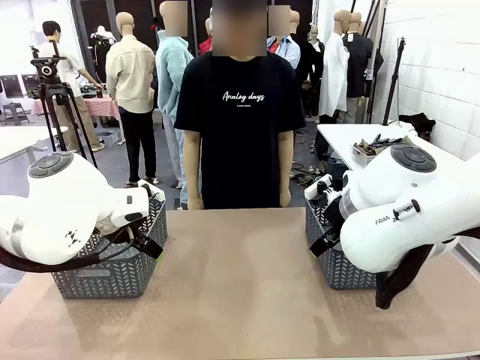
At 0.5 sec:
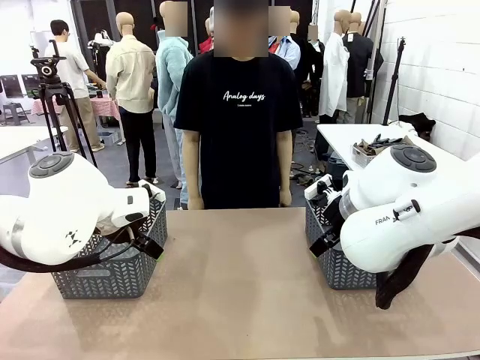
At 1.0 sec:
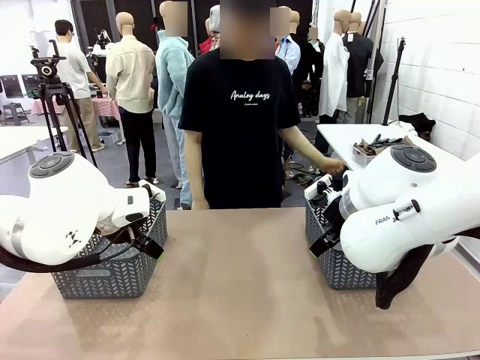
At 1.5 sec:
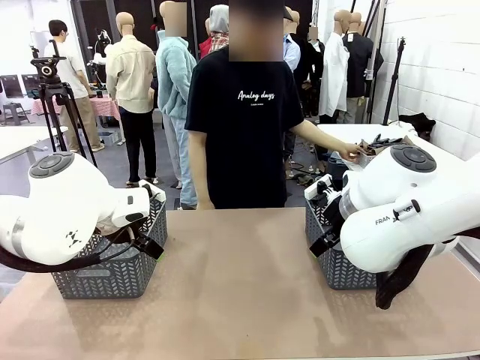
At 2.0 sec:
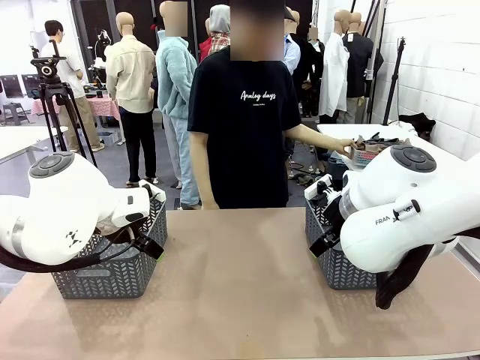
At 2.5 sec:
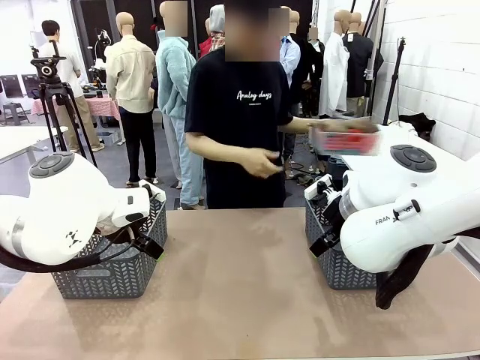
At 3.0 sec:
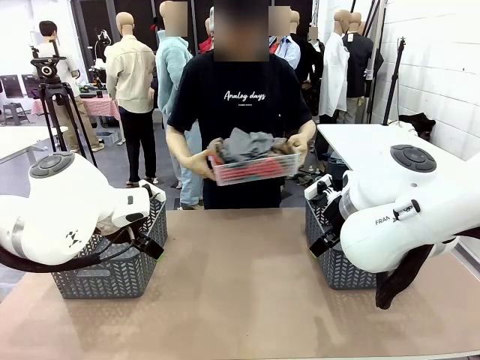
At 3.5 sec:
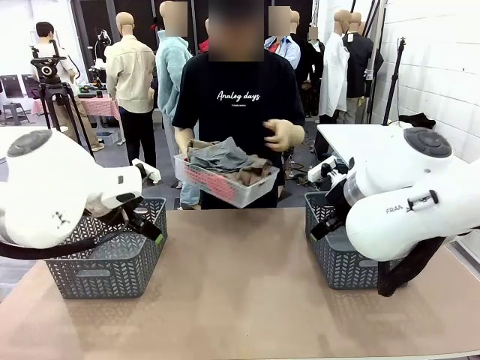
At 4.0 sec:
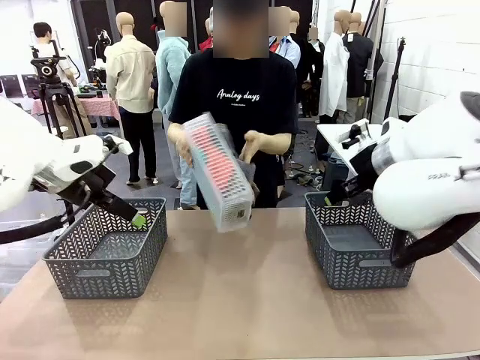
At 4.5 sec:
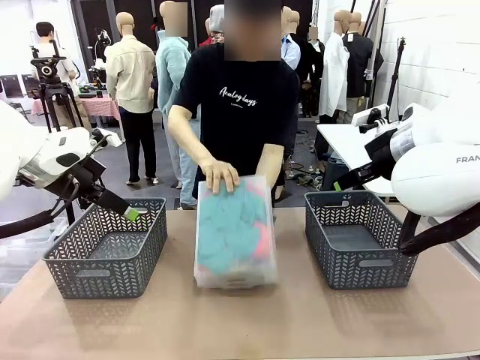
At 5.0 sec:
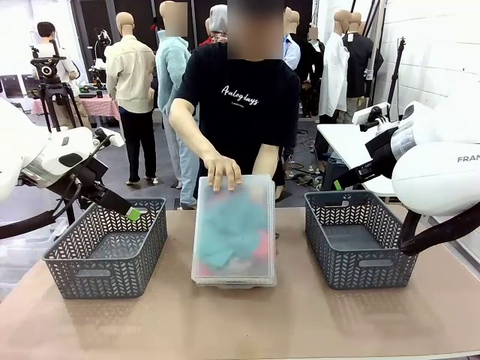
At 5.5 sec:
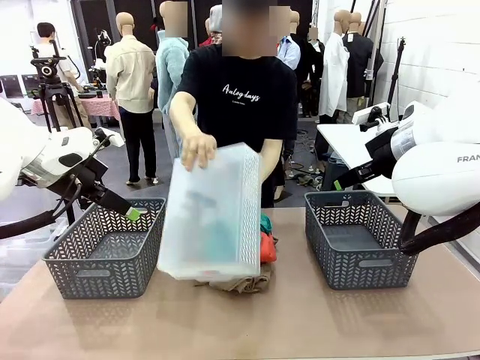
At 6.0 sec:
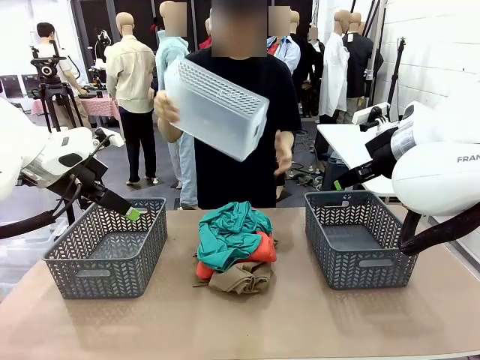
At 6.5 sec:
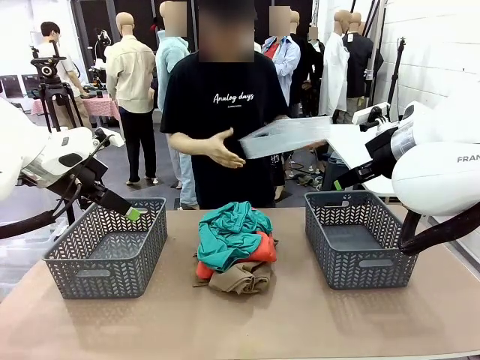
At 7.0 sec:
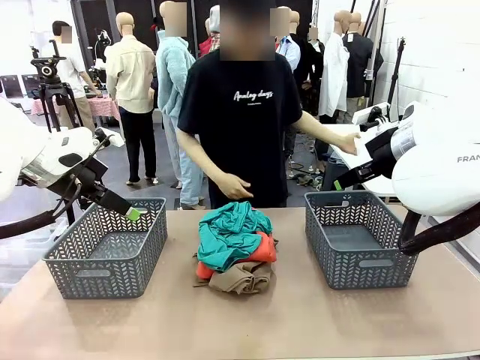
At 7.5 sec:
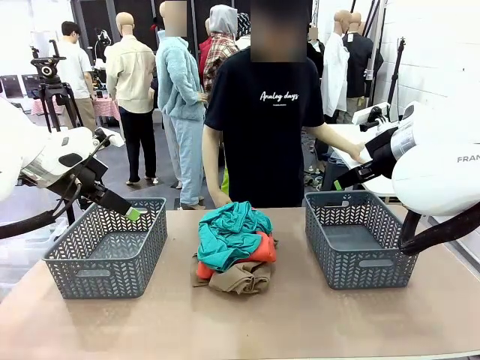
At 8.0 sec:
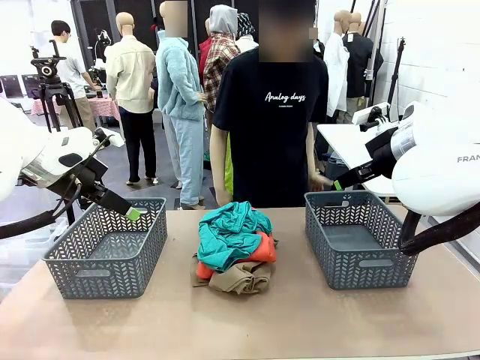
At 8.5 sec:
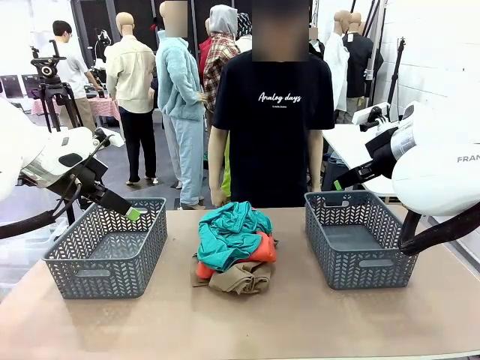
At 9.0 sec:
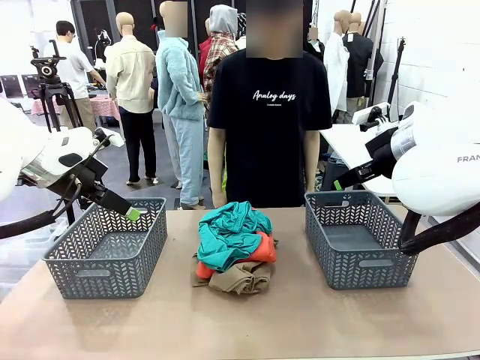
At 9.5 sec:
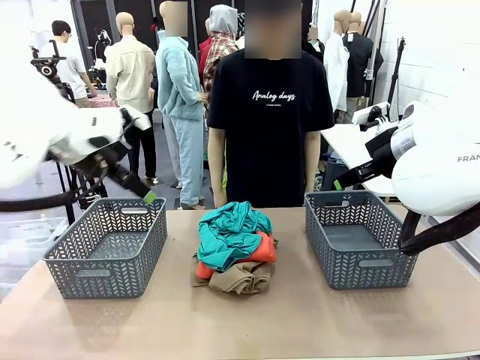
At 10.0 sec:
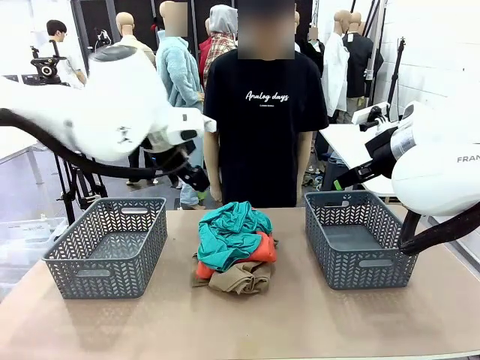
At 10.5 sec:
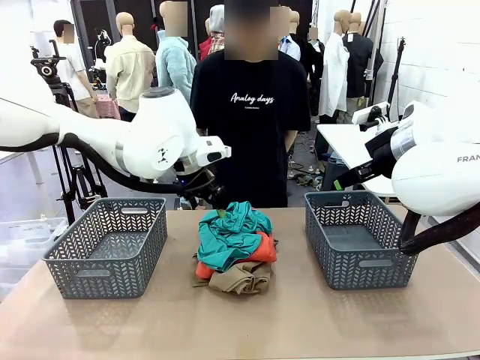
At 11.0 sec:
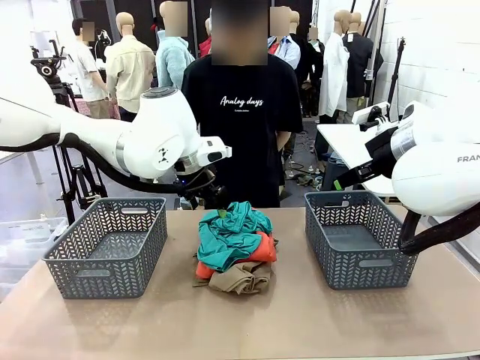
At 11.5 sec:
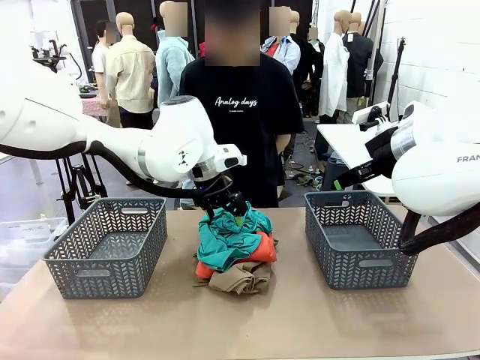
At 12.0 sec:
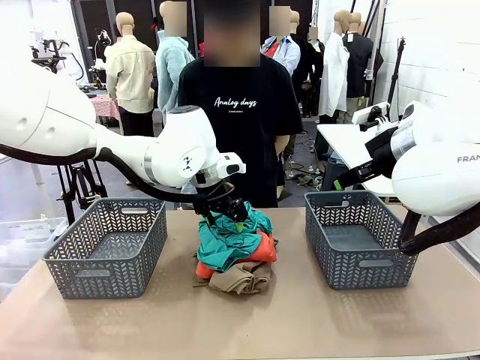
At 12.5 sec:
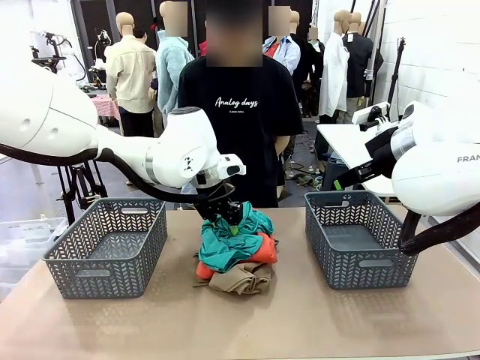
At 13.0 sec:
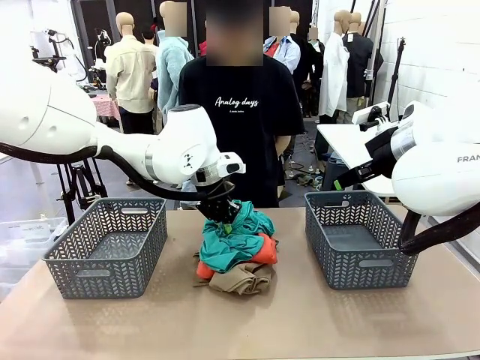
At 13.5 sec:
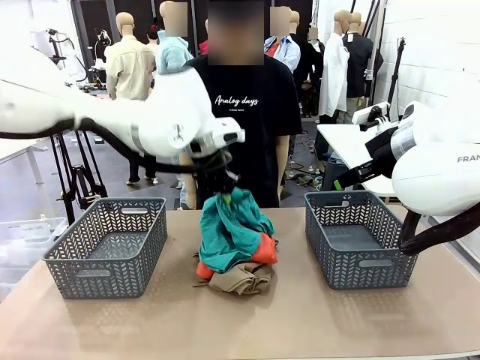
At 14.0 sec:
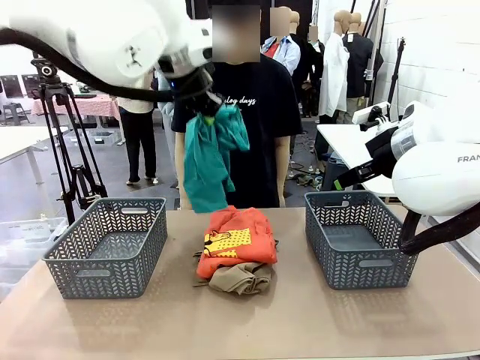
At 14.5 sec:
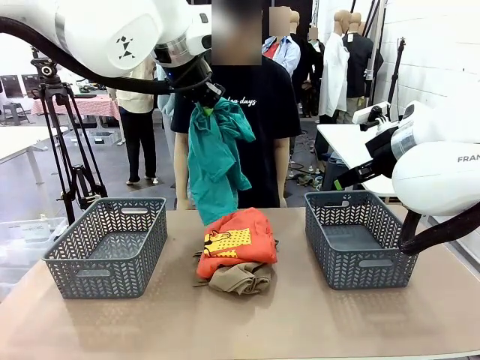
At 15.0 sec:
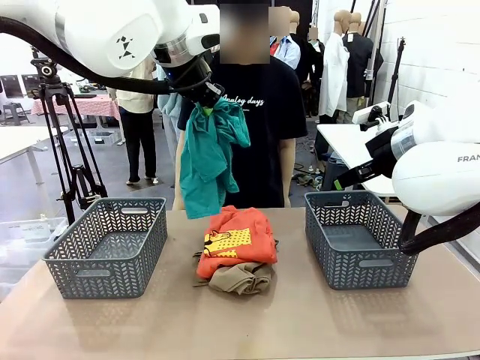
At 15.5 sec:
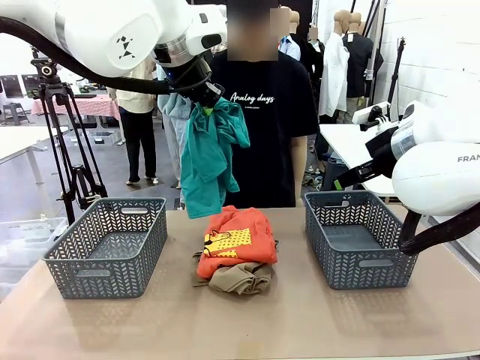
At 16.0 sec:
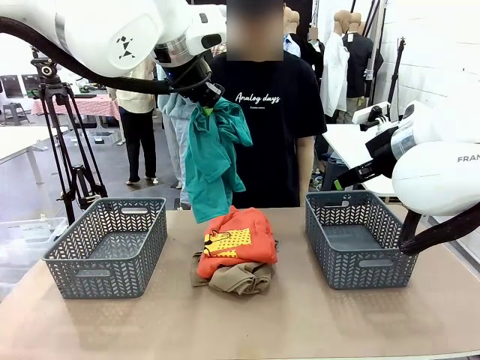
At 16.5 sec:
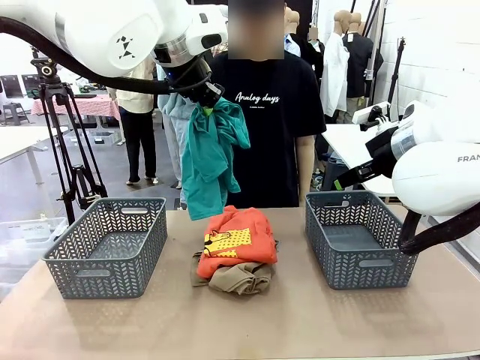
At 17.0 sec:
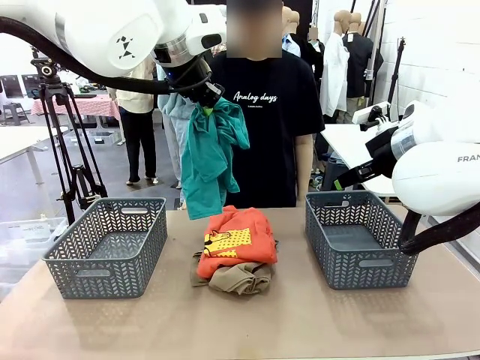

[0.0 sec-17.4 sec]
Task: Sort the tops and bottoms.
Robot: Lift clothes from the center of the table with your left hand.
Person: Pour the clothes from the basket onto the center of the robot table.

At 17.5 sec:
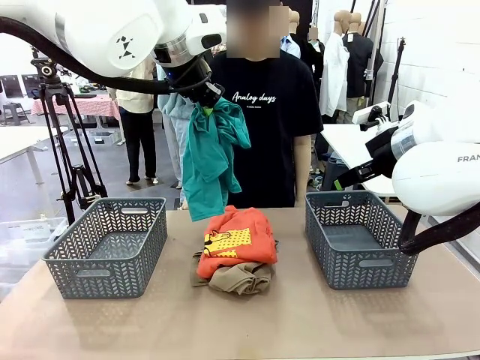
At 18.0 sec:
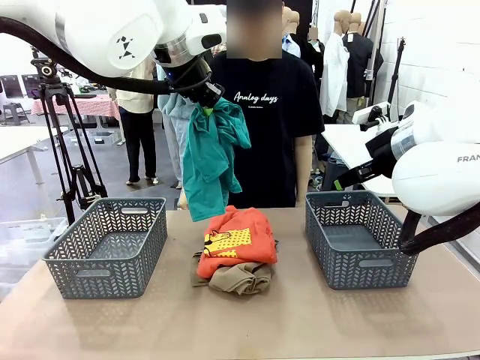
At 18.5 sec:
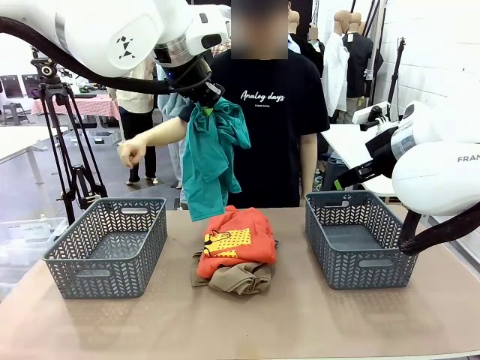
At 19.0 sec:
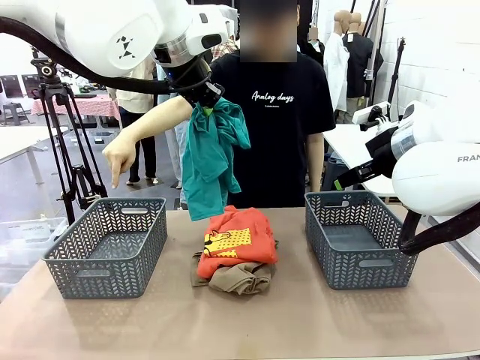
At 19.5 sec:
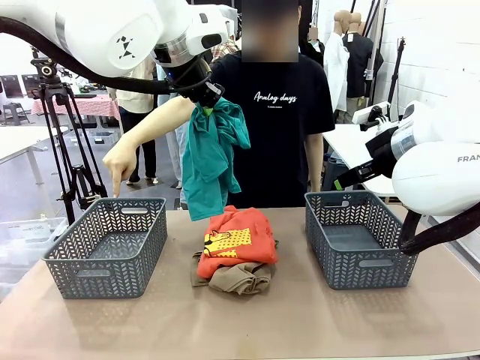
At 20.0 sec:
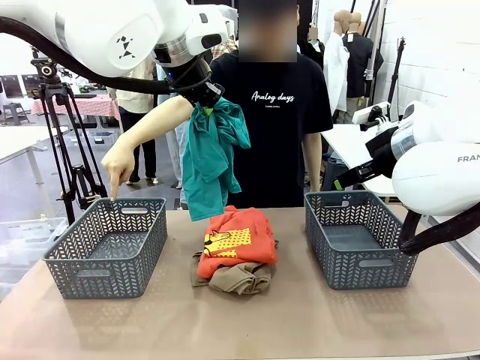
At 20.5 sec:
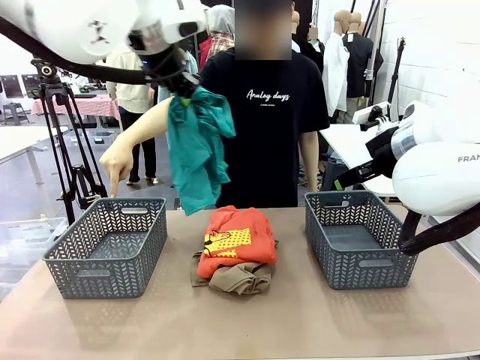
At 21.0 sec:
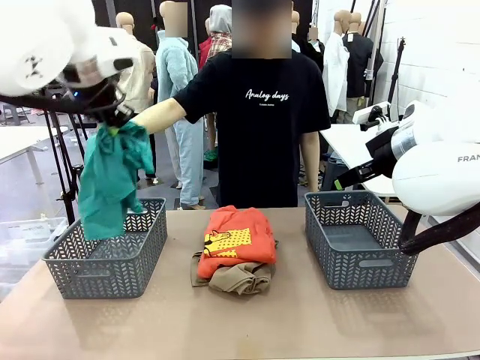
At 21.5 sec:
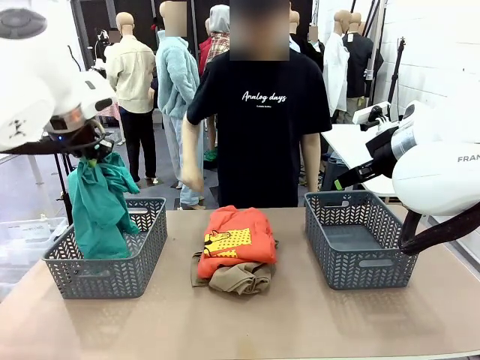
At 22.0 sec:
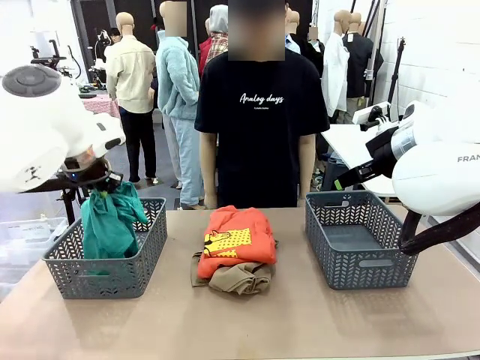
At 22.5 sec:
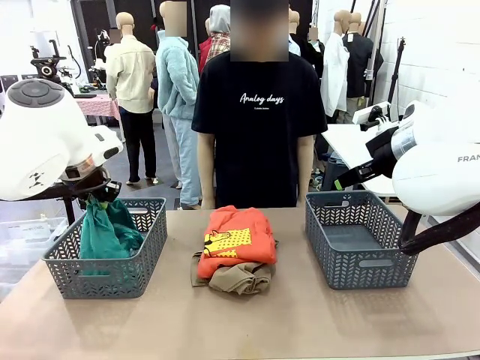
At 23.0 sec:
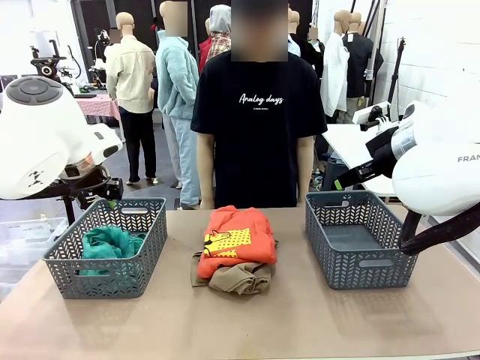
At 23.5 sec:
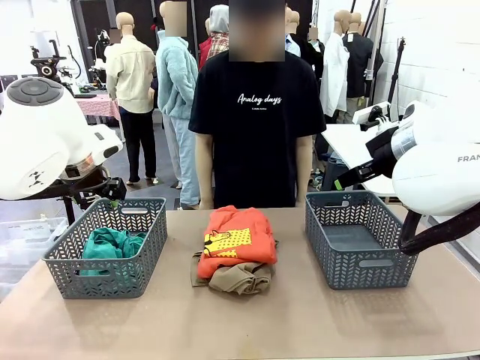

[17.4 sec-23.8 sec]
Robot: Sort the clothes according to human instructions.

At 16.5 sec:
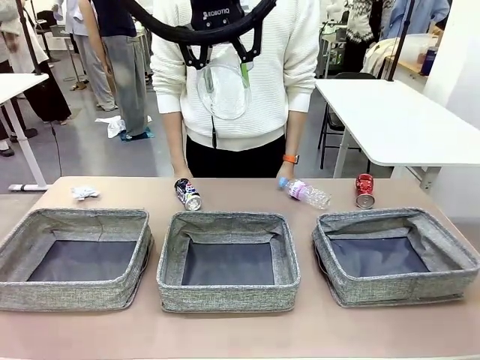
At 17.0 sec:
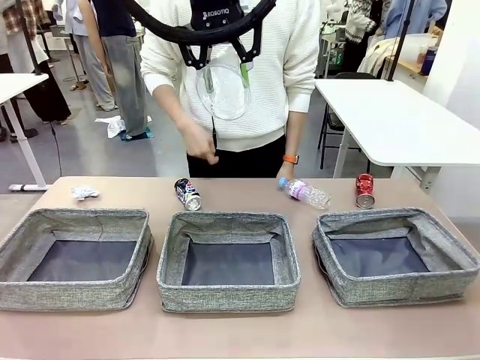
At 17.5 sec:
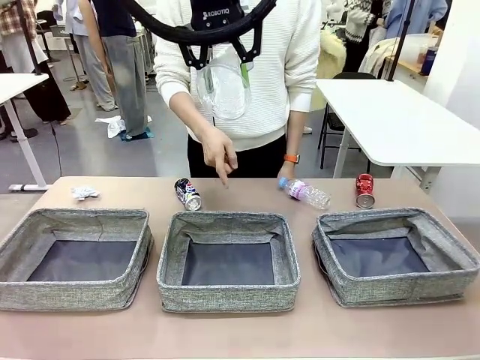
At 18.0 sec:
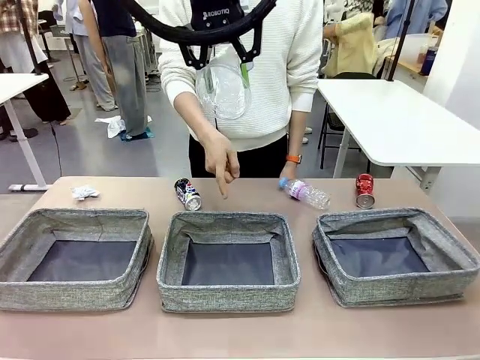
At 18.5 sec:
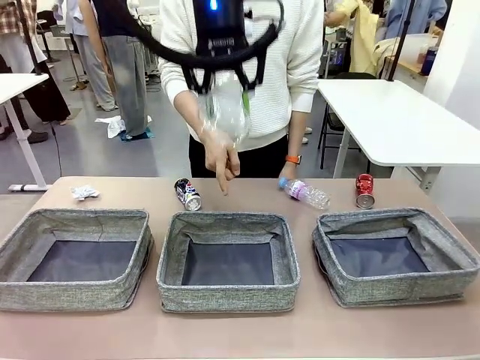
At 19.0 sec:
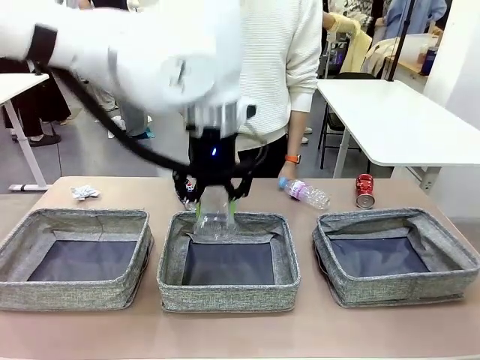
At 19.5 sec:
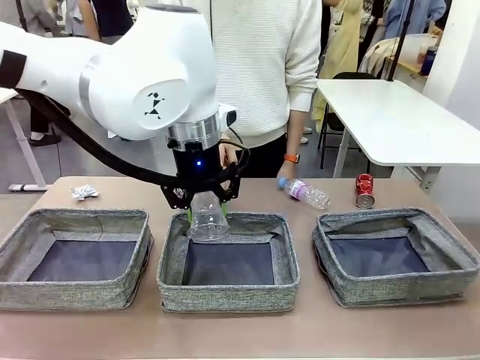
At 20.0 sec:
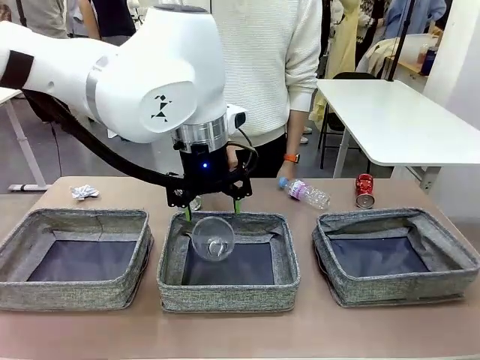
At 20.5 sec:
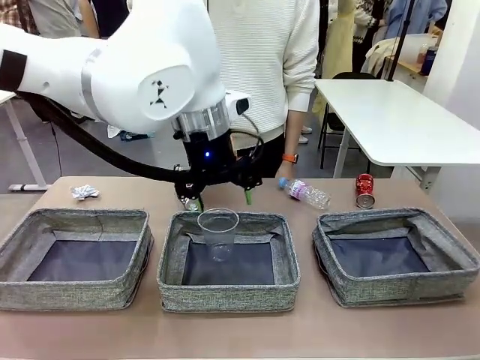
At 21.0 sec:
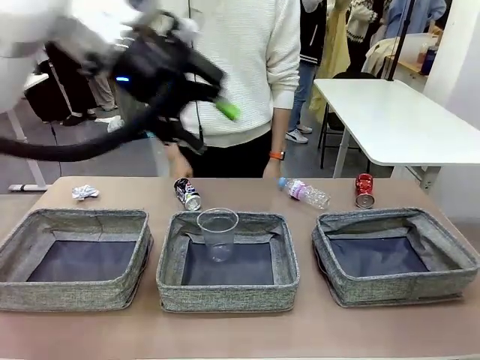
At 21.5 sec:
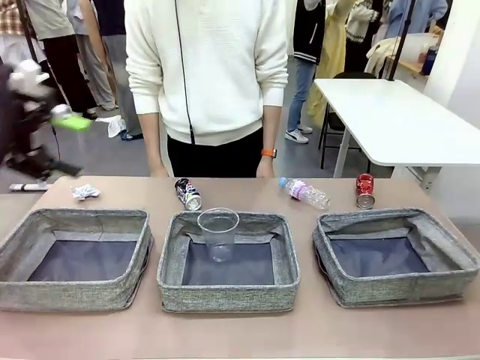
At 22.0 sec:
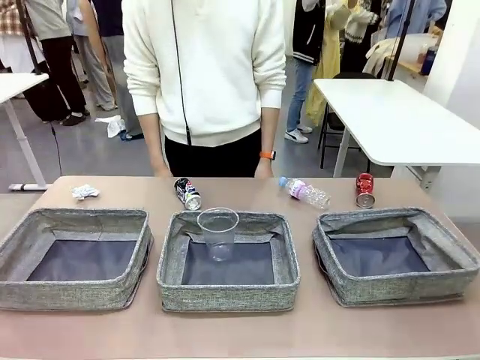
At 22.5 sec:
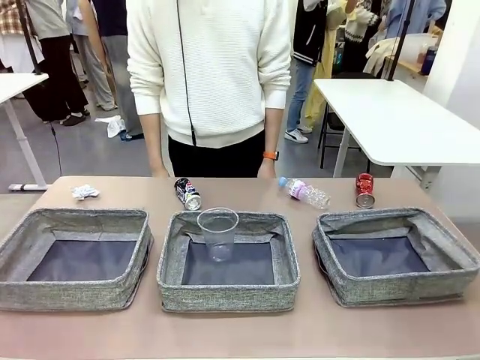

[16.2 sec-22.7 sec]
Task: Sort the waste into the appropriate baskets.
Robot: Place the picked waste into the Fabric basket indicated by the person.
Person: Instructs the robot to place the picked-up trash into the appropriate organizing basket.
